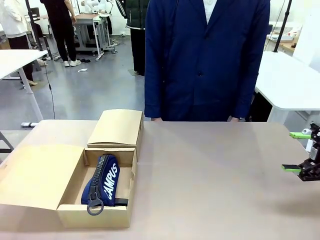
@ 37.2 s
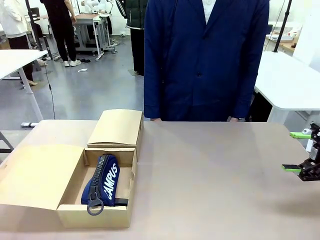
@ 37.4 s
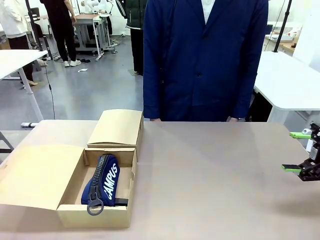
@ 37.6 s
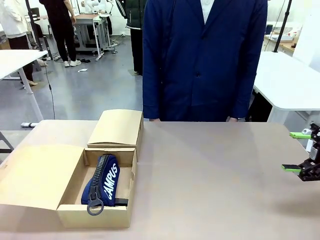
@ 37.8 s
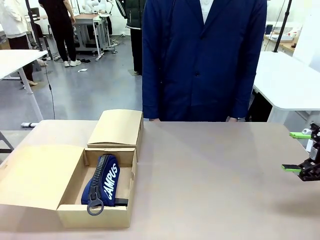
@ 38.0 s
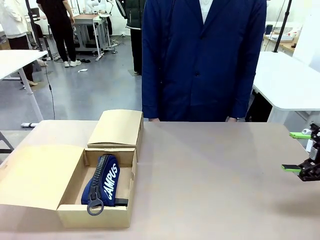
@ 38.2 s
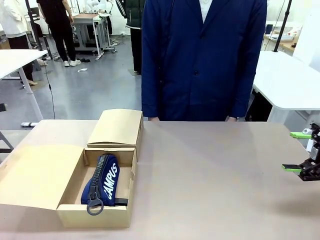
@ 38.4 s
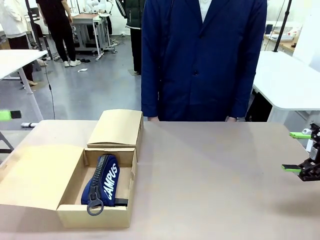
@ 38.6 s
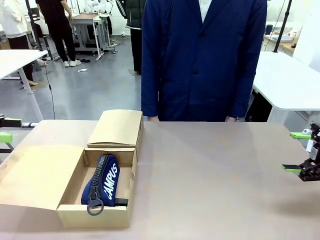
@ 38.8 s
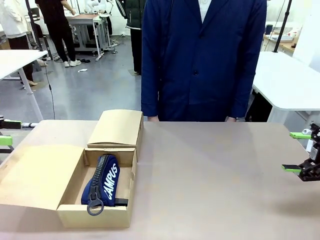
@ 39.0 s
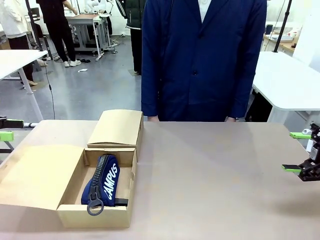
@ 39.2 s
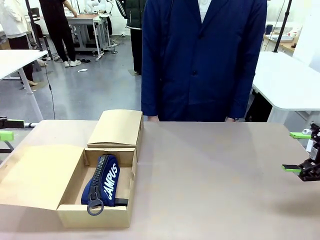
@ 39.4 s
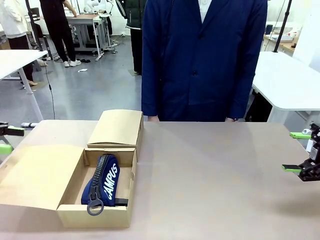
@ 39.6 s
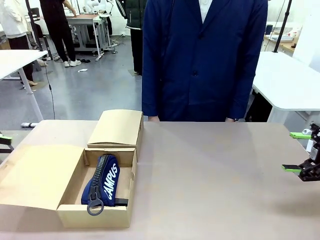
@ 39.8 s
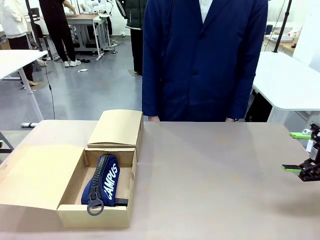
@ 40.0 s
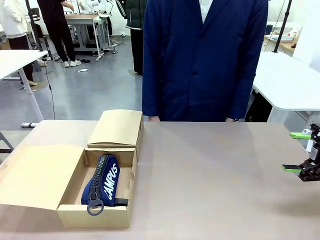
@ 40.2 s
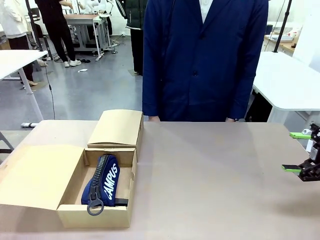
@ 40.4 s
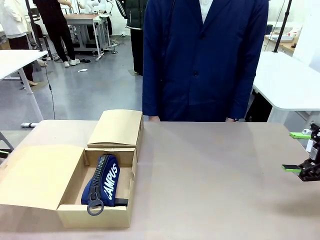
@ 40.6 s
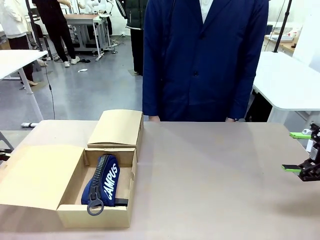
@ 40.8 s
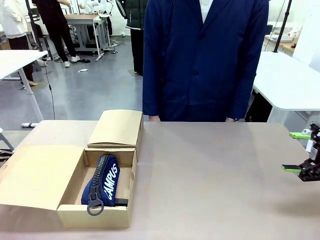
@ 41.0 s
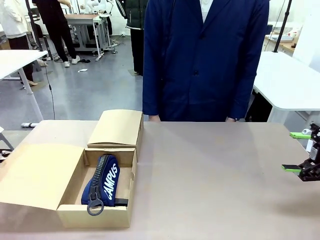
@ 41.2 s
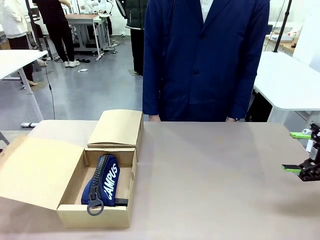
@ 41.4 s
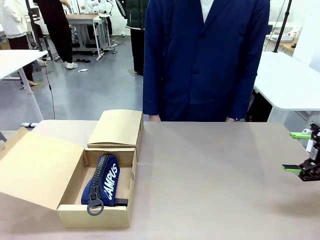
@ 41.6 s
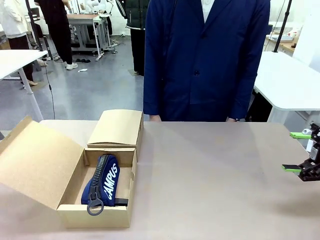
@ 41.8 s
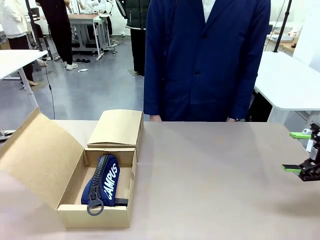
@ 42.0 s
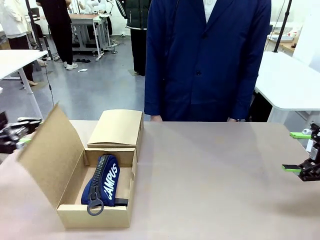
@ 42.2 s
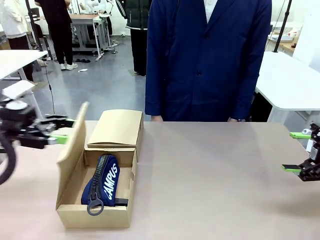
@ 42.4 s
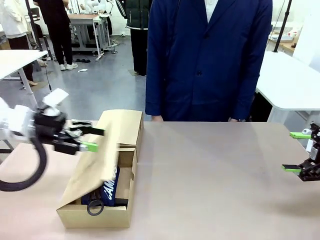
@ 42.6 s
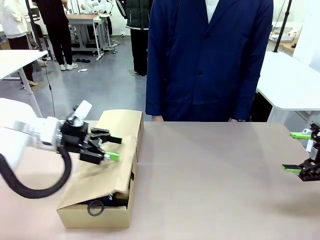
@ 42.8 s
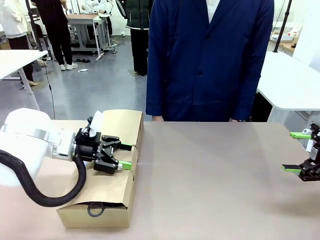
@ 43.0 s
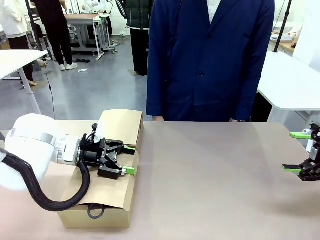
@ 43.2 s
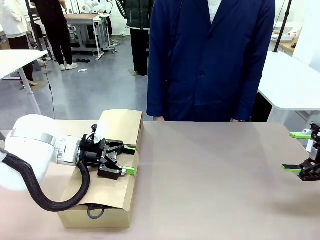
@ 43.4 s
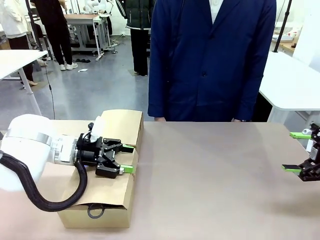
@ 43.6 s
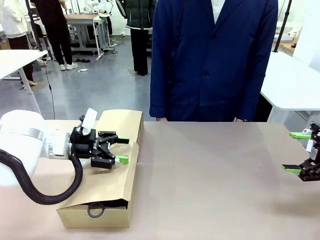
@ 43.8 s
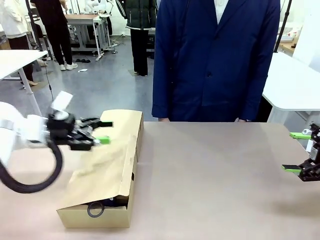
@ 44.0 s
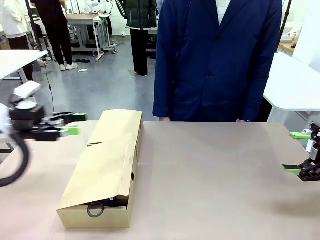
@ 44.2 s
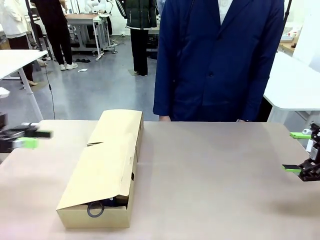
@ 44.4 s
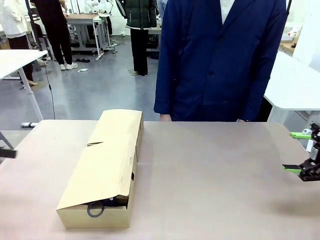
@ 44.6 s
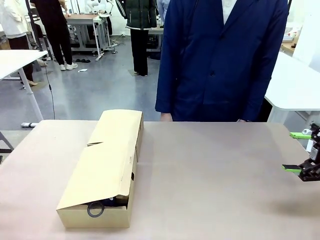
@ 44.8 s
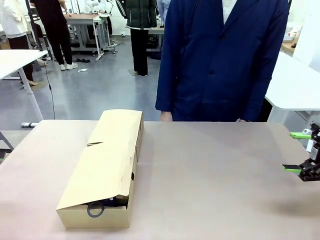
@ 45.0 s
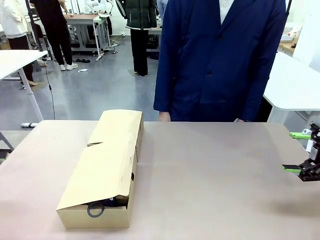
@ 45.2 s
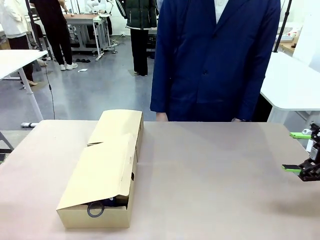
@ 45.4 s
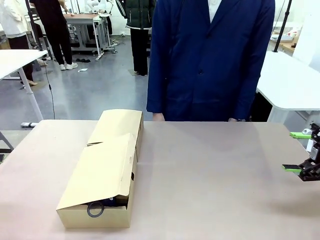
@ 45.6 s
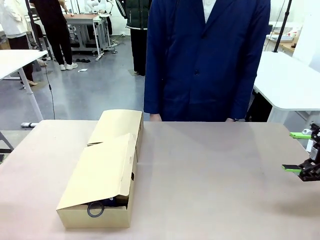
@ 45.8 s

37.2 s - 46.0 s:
Task: Place items inside the box.
Robot: Close the lid of the Mailer Box closest to the robot.

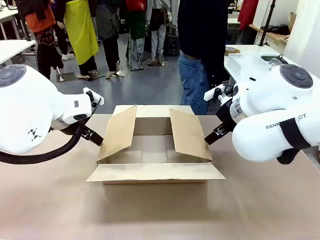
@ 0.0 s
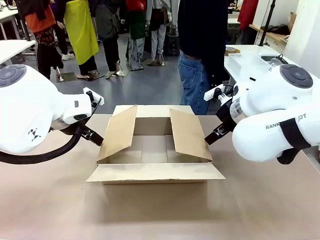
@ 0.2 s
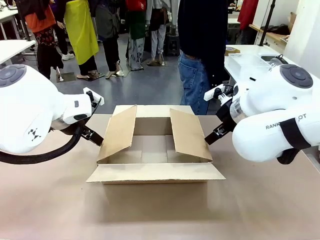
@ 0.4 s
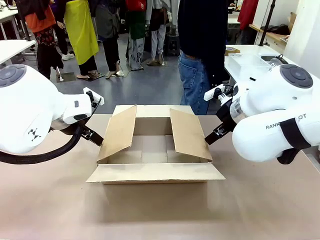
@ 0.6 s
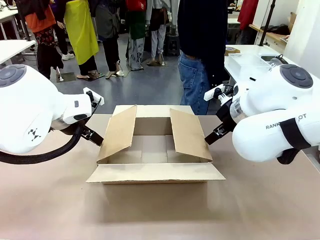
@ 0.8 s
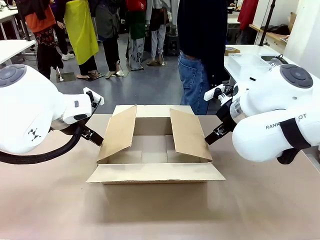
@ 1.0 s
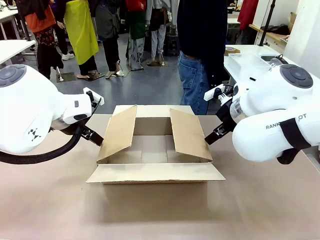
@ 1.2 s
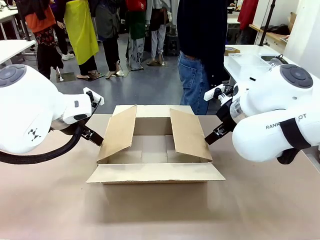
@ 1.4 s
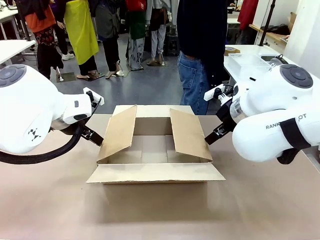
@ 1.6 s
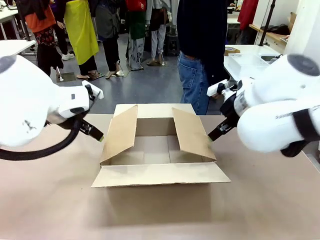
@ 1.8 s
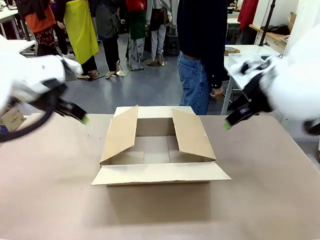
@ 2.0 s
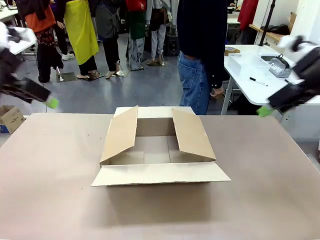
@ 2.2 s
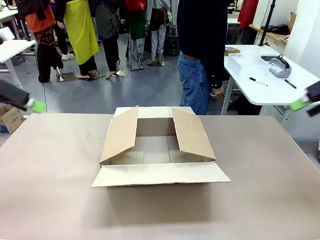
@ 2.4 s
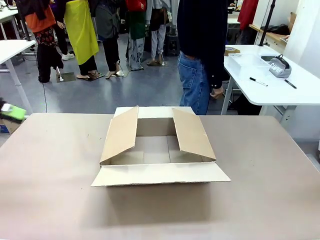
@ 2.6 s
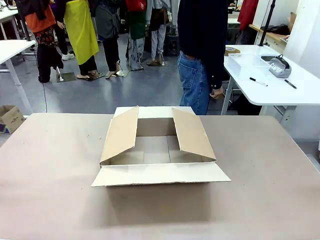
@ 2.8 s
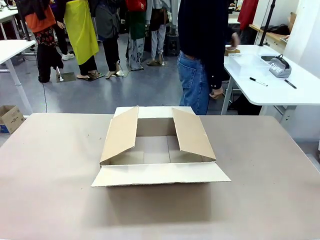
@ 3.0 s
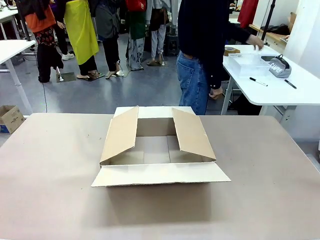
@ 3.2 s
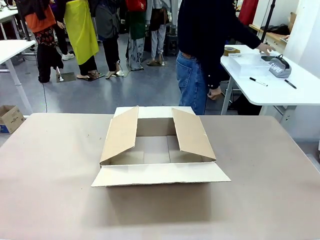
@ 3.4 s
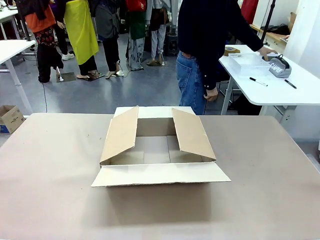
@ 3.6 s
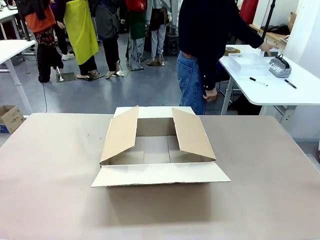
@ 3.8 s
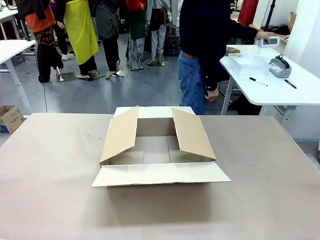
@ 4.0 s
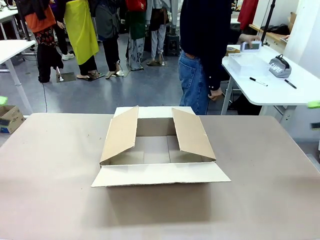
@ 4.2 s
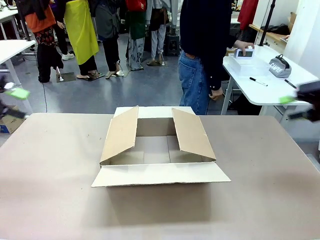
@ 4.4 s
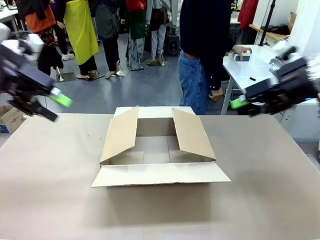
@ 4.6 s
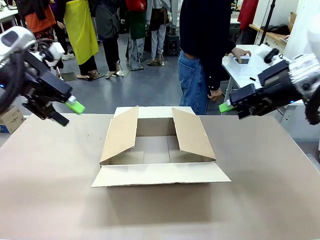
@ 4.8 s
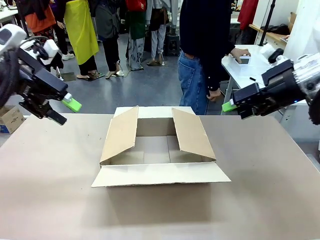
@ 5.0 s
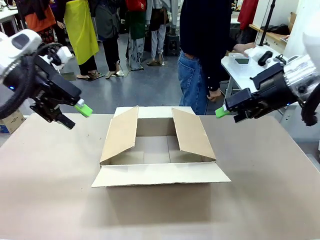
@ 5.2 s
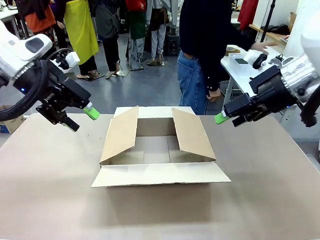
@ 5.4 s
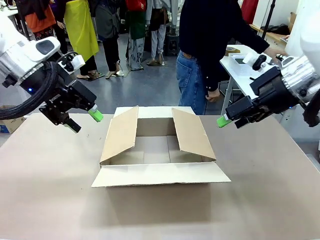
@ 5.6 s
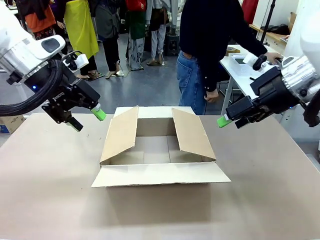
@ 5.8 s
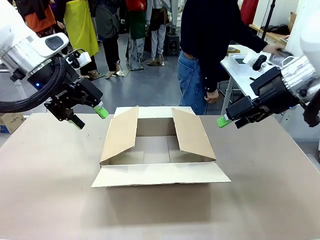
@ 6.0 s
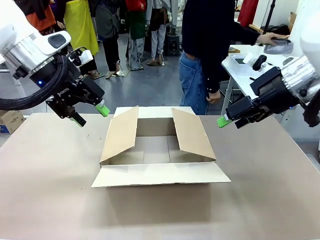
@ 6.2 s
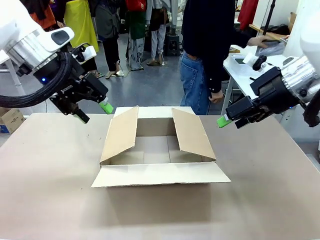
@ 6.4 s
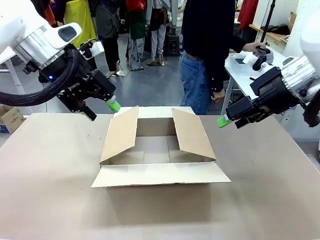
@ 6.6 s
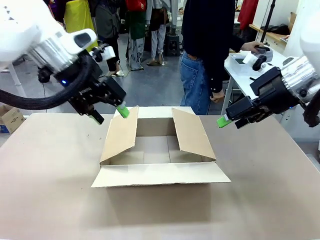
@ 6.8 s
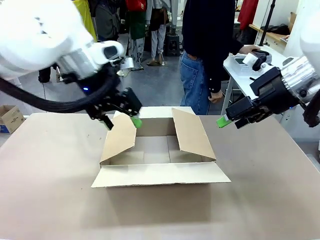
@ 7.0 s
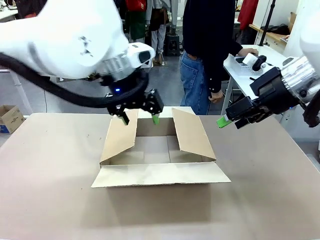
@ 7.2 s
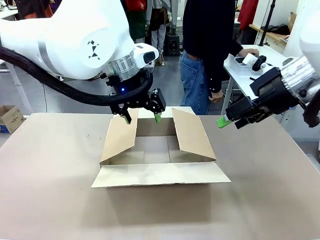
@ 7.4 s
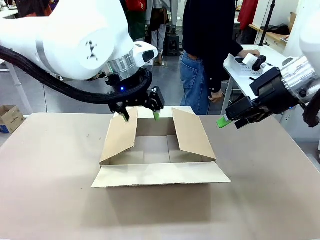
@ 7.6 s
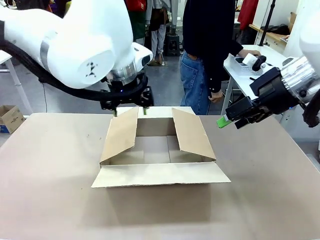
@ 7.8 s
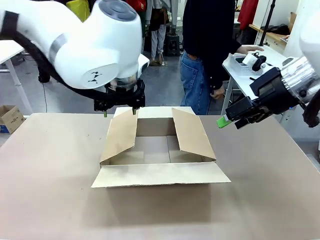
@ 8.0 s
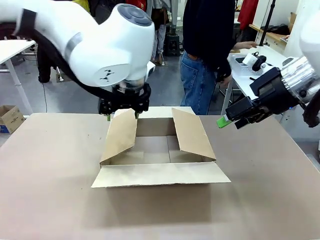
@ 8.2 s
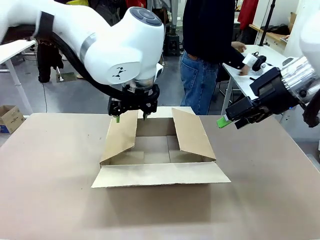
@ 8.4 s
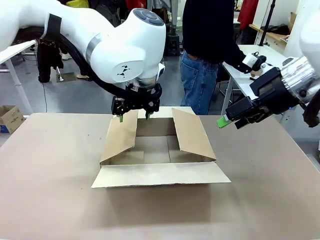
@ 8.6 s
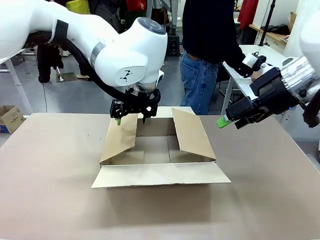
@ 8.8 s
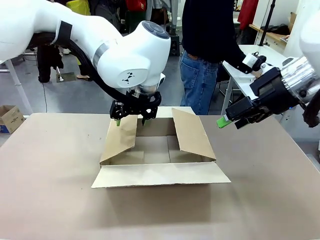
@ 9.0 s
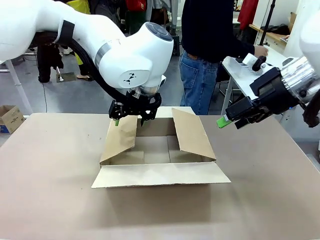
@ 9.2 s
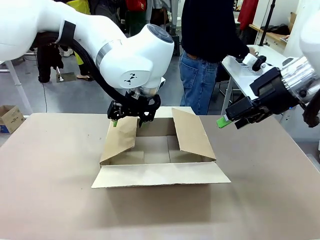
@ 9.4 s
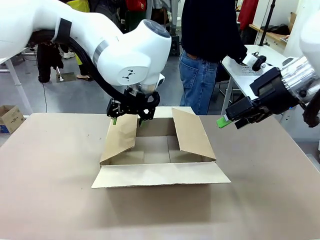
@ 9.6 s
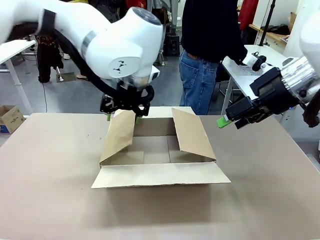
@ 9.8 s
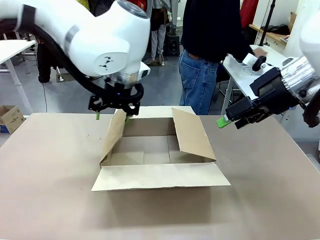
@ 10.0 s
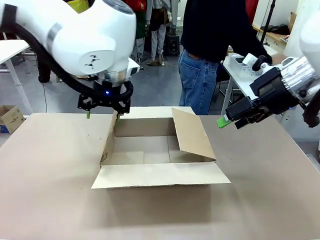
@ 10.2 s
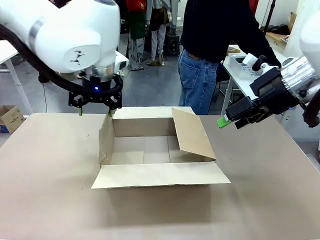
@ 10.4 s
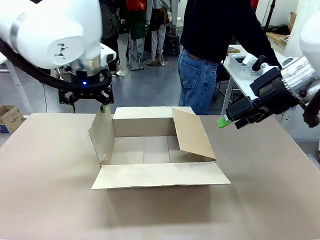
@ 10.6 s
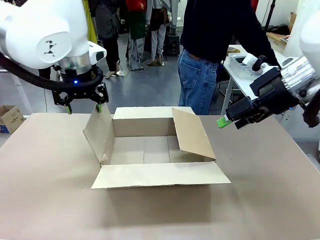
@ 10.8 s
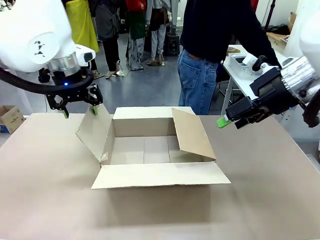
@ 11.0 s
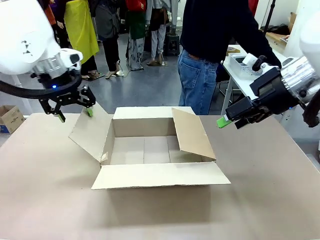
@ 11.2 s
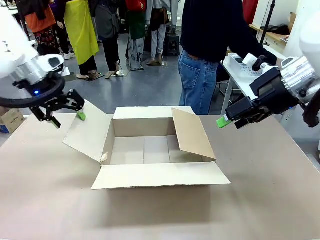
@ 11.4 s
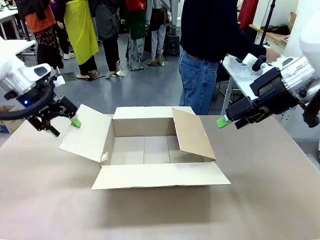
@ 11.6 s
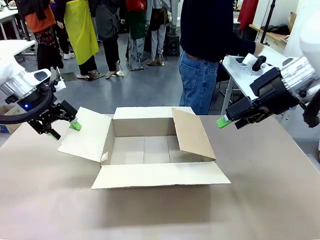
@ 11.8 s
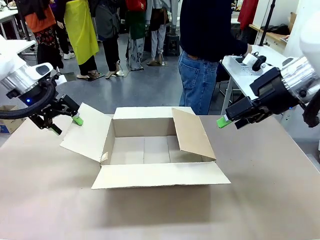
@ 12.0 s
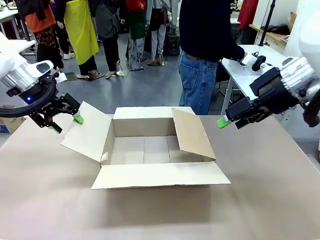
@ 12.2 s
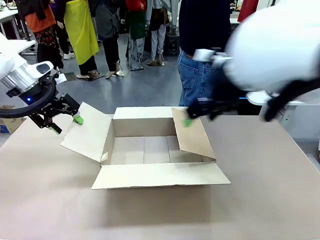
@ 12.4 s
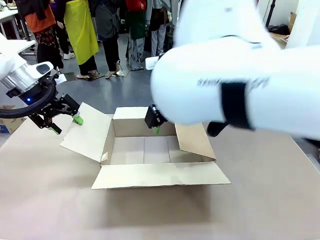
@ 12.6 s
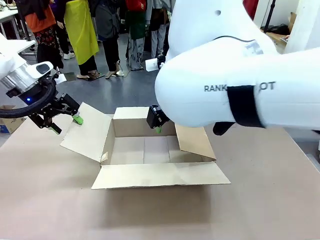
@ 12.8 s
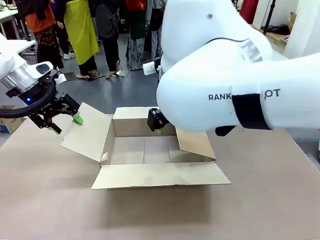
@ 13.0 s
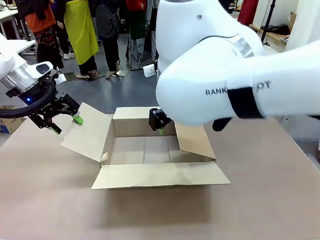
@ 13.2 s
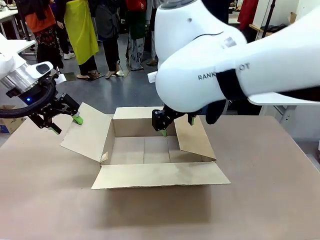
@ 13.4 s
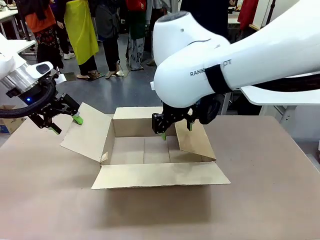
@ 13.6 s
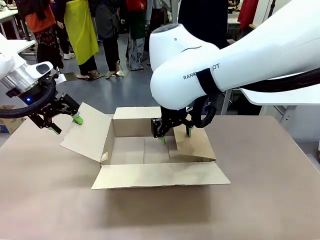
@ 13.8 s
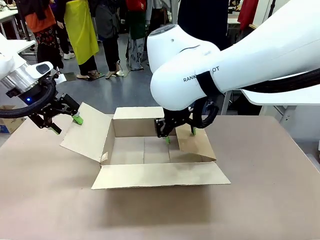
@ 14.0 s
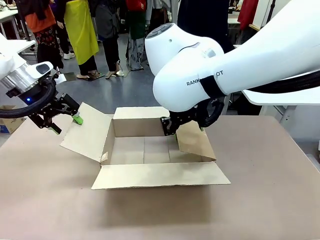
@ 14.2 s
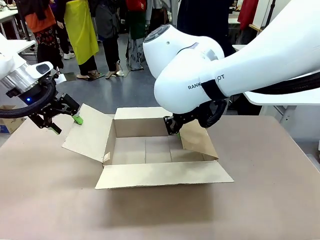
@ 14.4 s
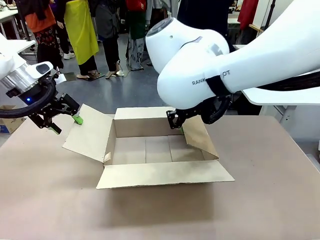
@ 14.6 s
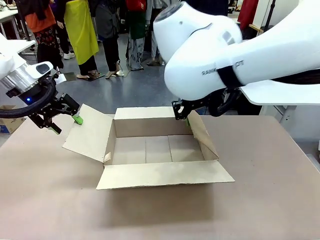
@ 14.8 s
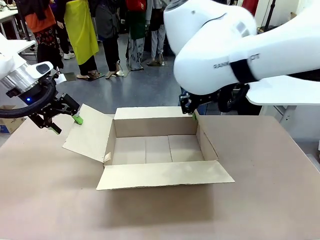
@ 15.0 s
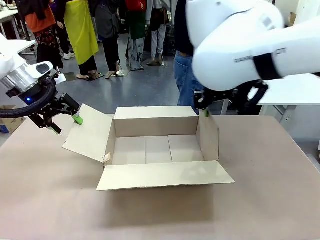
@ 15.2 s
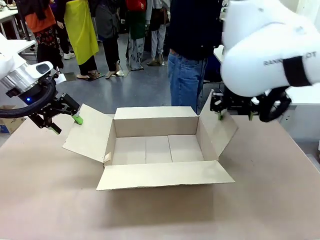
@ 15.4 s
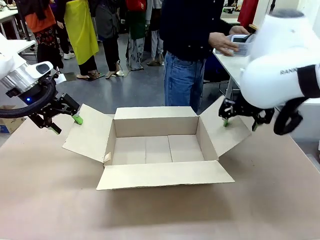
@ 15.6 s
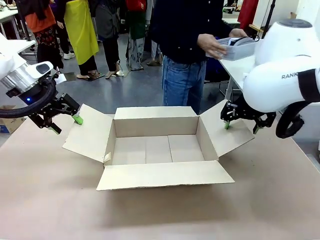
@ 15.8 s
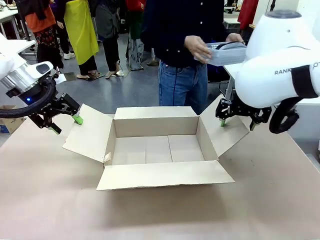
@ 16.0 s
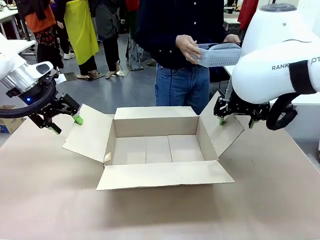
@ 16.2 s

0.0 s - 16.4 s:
Task: Pack the gift set into the box.
Robot: Place both hands on the side flaps of the Package Box and spread them outward.
Person: The human places all items except the paper tape into the organizing basket.
